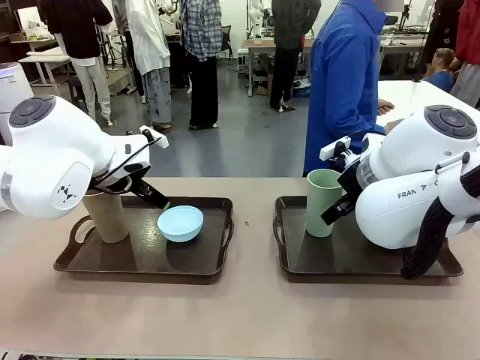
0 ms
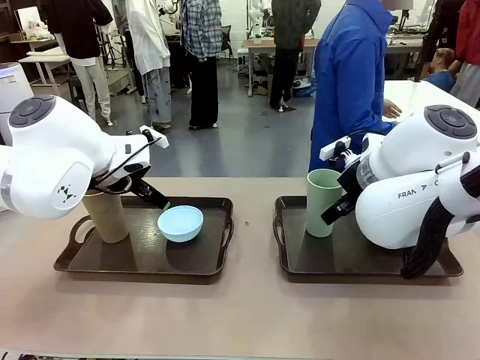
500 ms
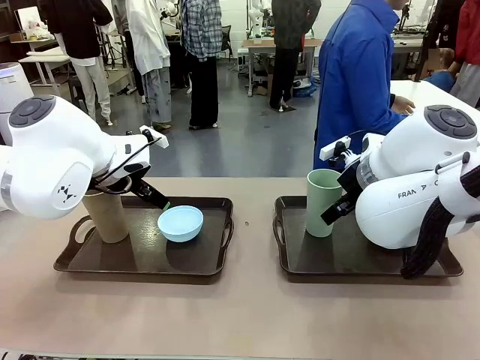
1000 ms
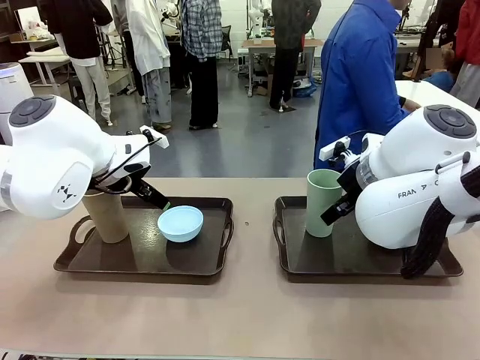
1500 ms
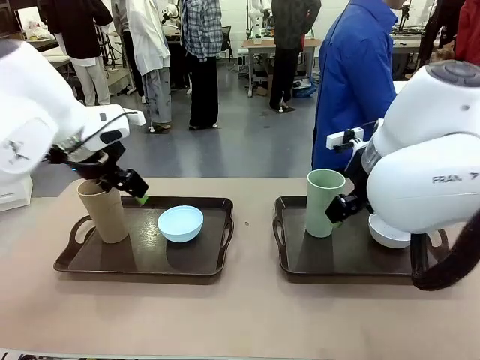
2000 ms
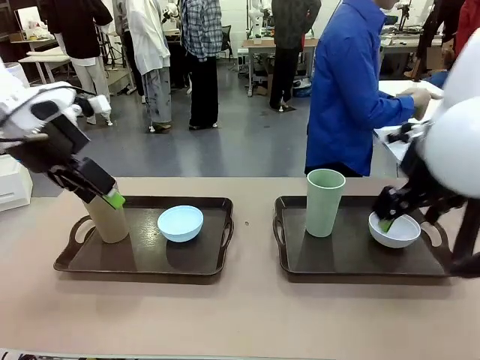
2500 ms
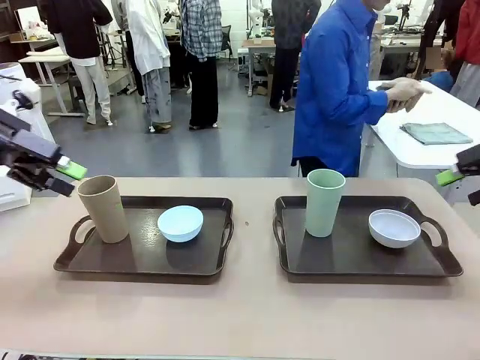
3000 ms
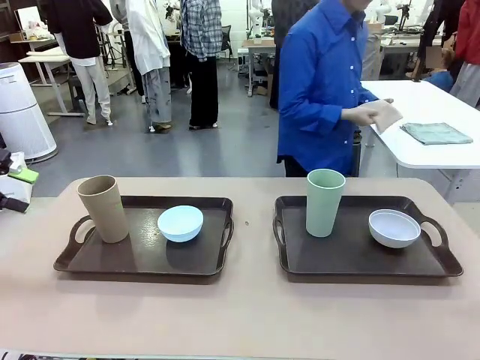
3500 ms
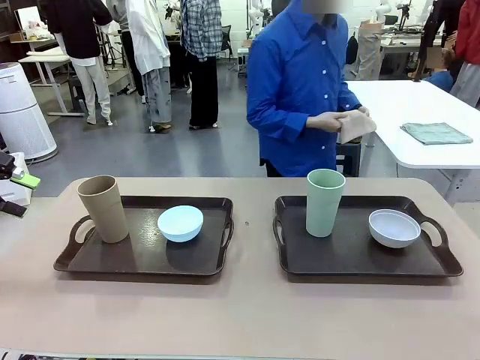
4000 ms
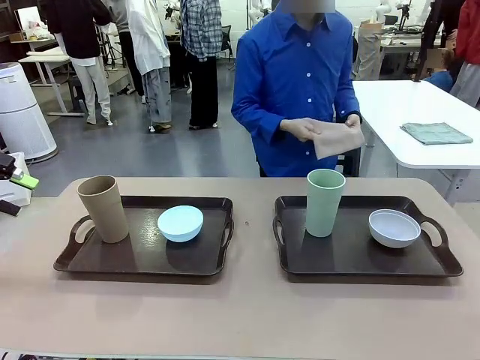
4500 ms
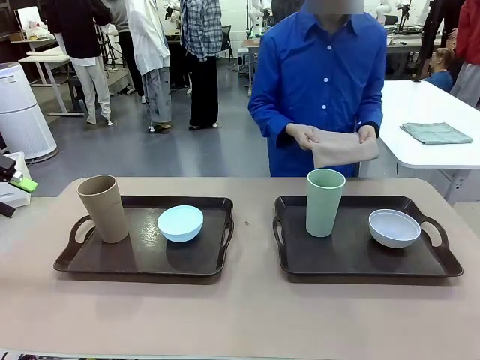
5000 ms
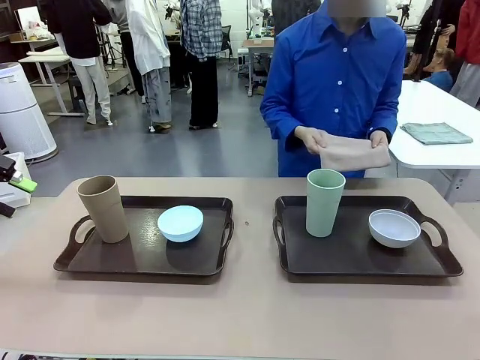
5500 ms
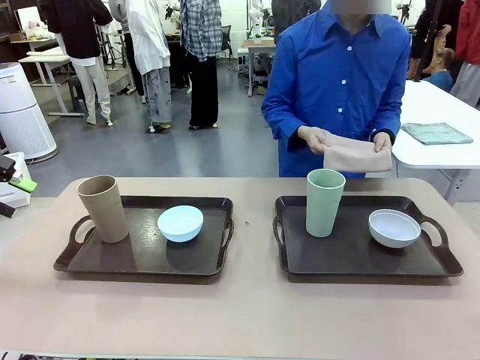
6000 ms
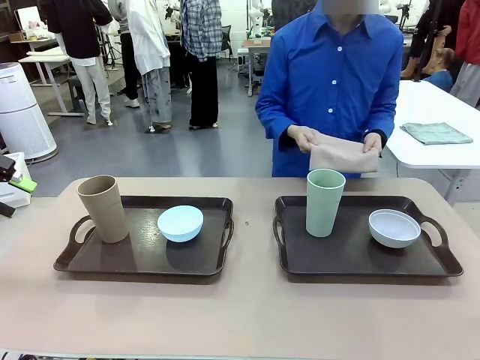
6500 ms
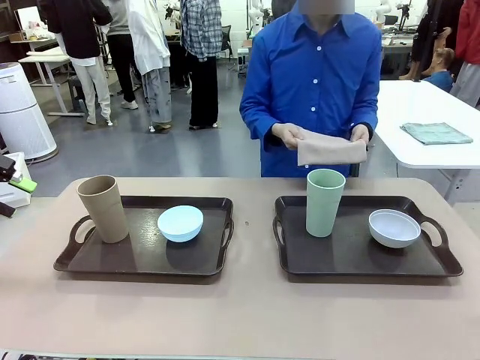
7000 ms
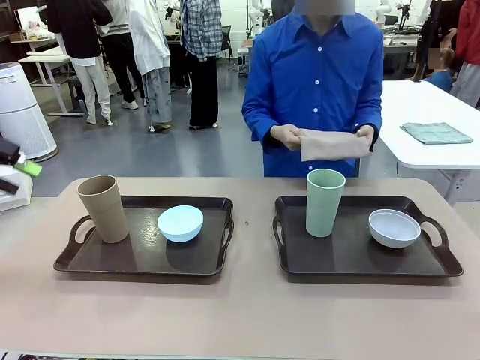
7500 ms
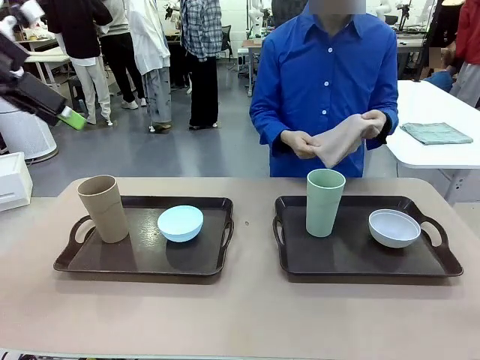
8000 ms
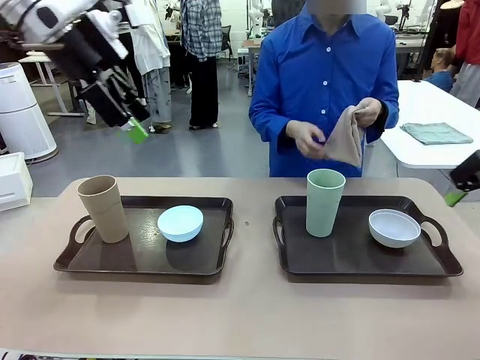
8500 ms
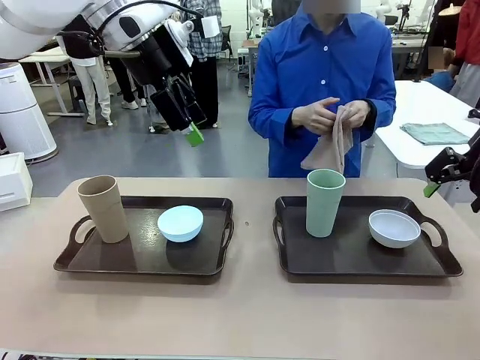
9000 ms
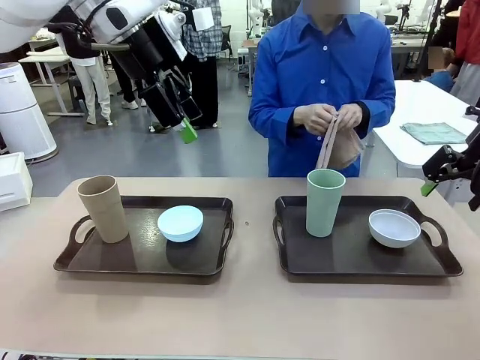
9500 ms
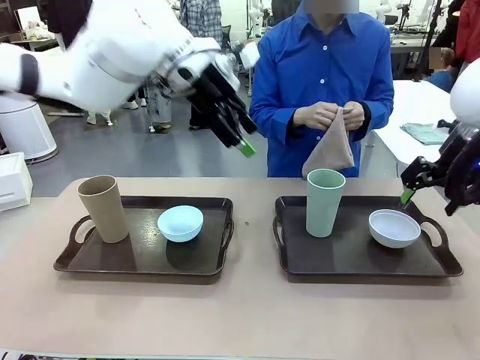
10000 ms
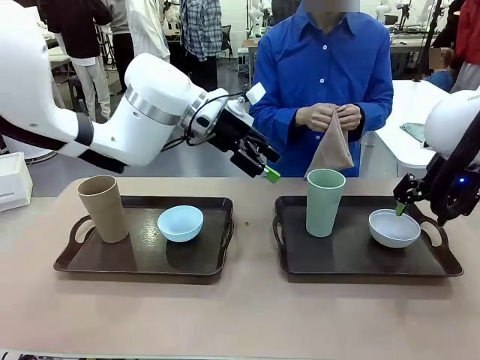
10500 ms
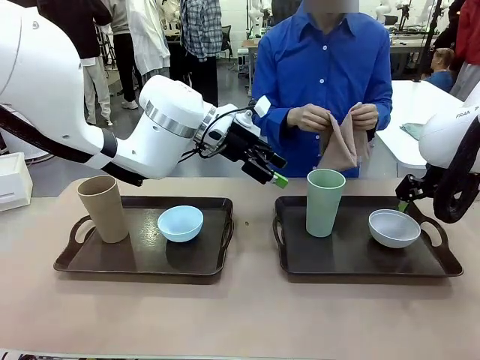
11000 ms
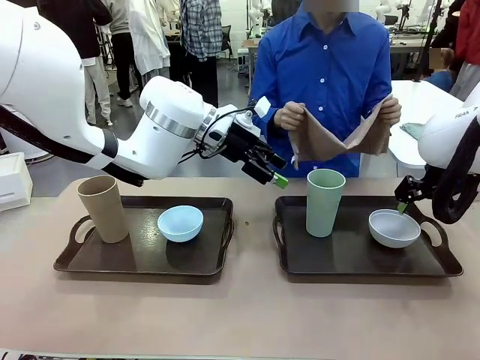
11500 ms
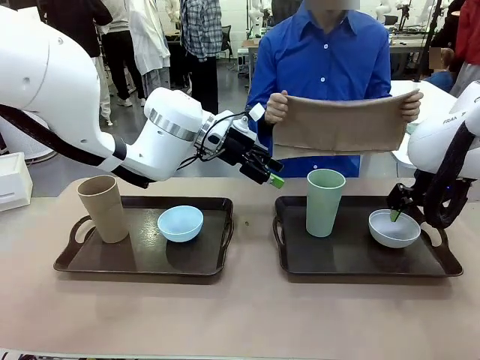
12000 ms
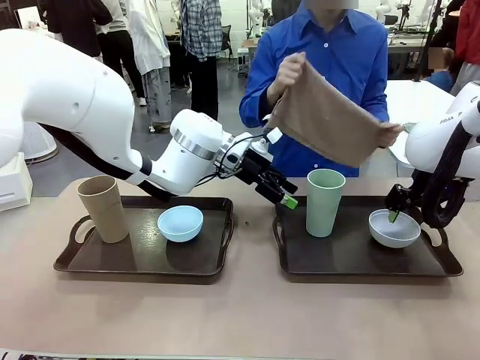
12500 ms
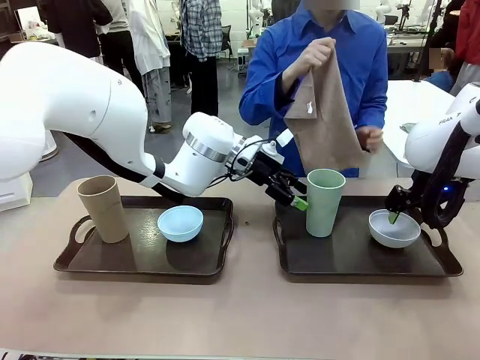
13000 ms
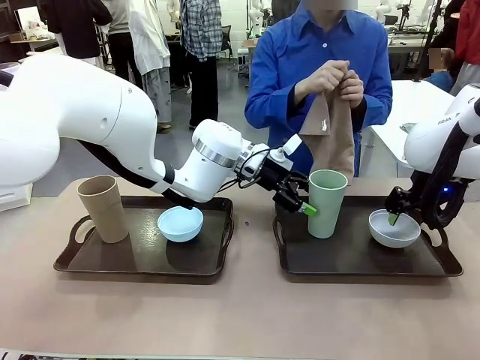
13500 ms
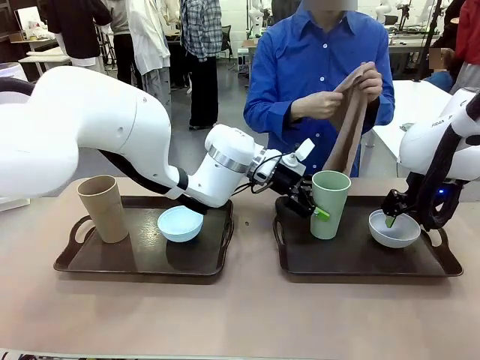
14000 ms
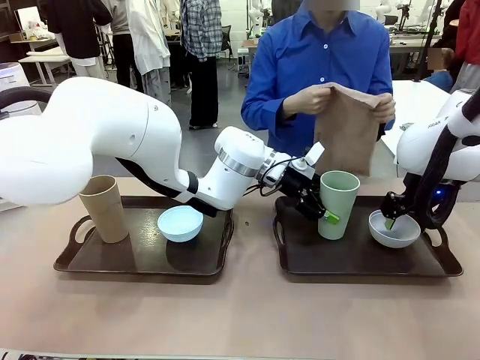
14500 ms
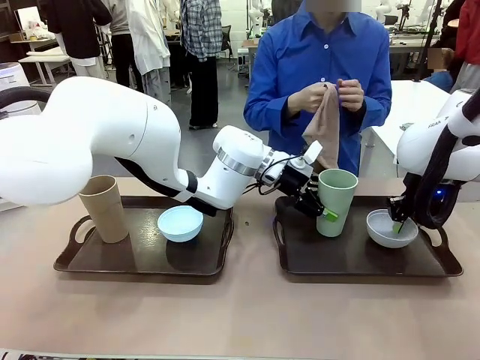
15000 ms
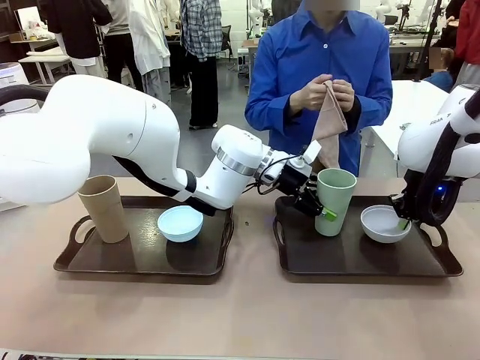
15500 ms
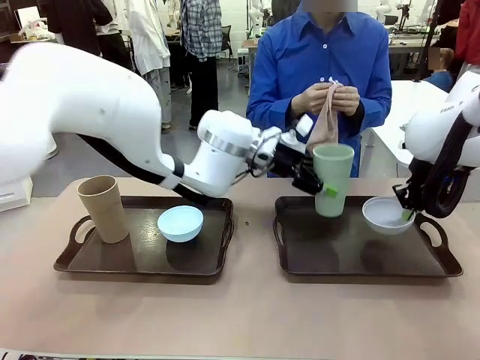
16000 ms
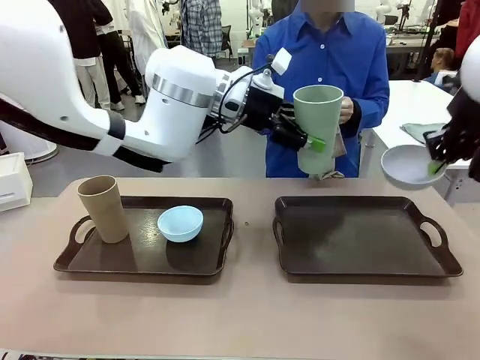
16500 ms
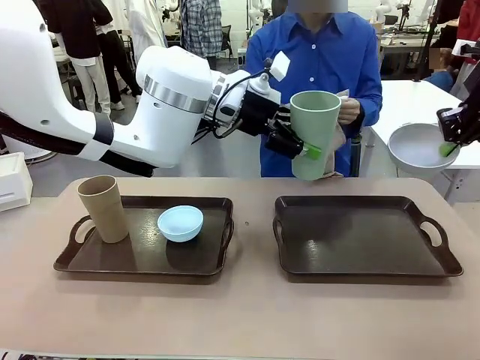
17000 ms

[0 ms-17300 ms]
Robot: Pick up the Picnic Bowl and Reusable plastic cup from the Handle tray in front of the human's position and hold them in the air.
Person: The human picks up the top napkin from the stack on the human table and walks to the robot table to stand in front of one of the two trays. When the robot lifts the bowl and the cup, the human unfolds the napkin and lays the napkin flat on the tray.

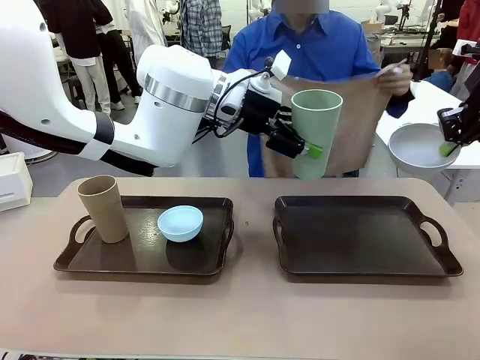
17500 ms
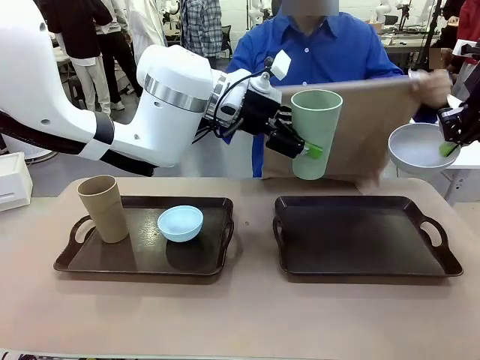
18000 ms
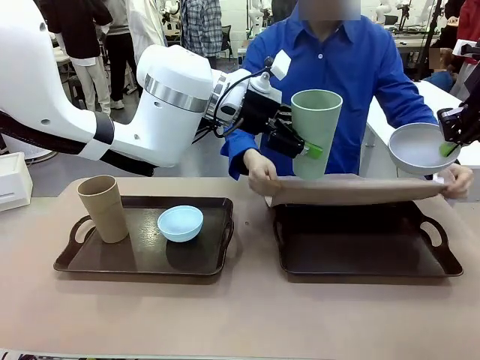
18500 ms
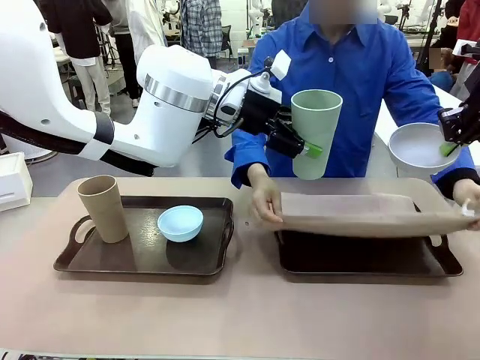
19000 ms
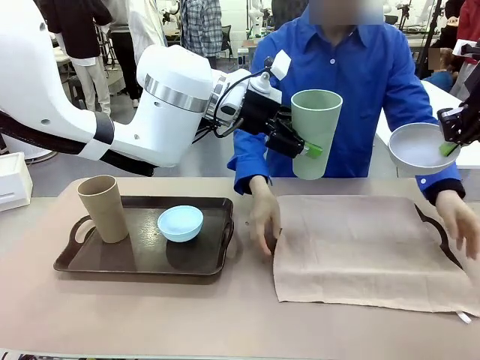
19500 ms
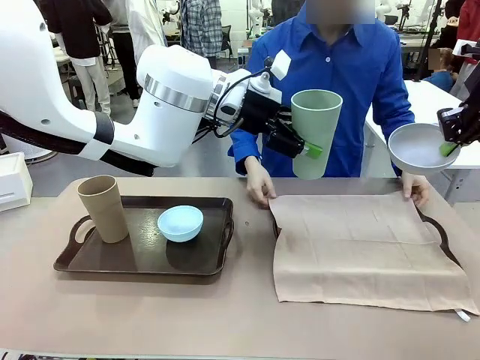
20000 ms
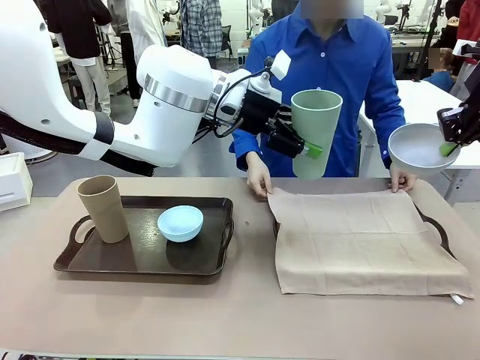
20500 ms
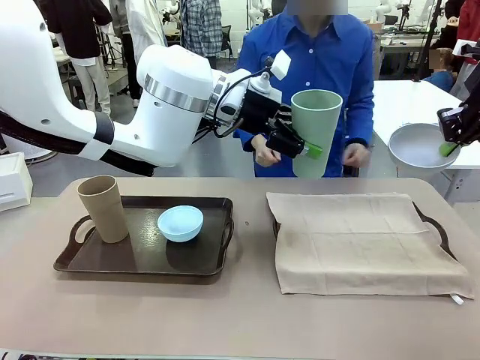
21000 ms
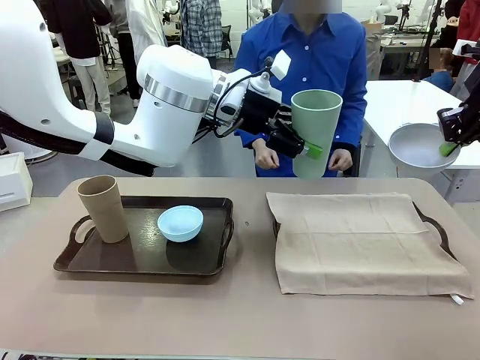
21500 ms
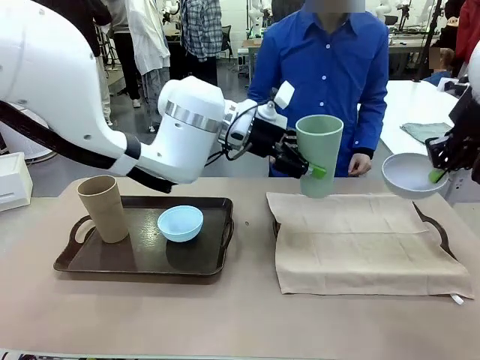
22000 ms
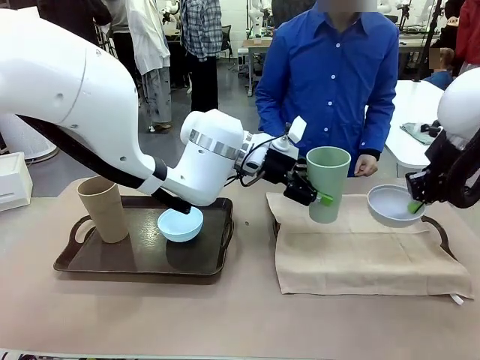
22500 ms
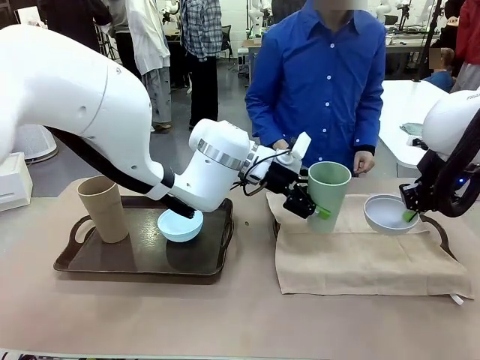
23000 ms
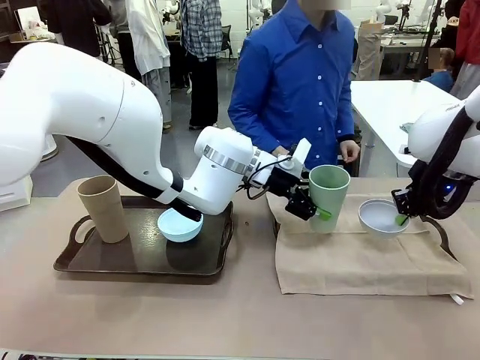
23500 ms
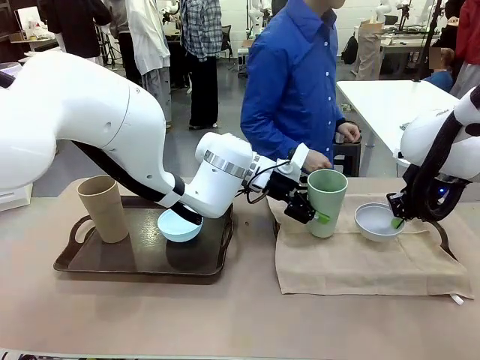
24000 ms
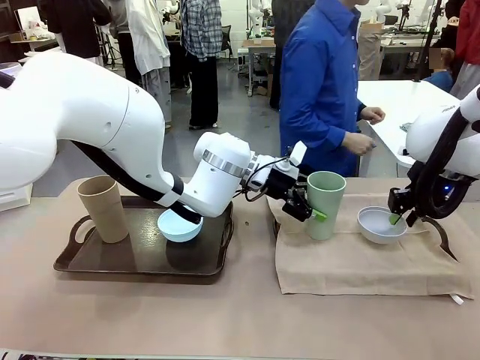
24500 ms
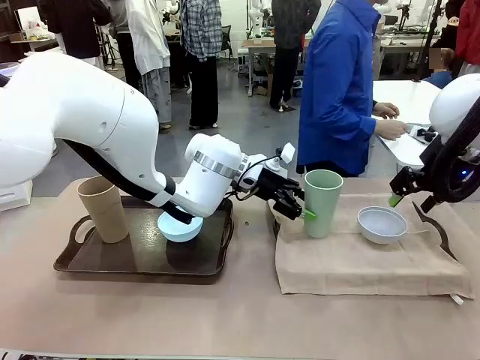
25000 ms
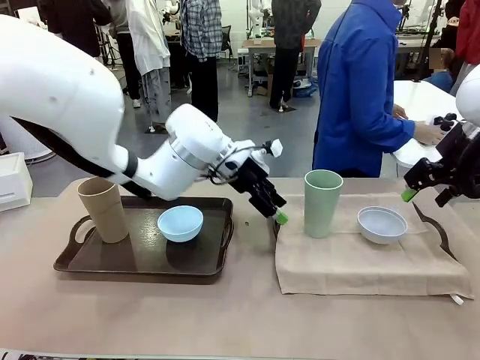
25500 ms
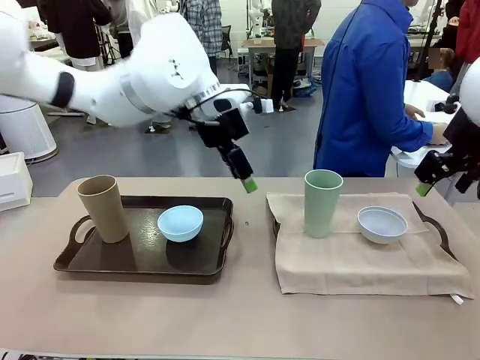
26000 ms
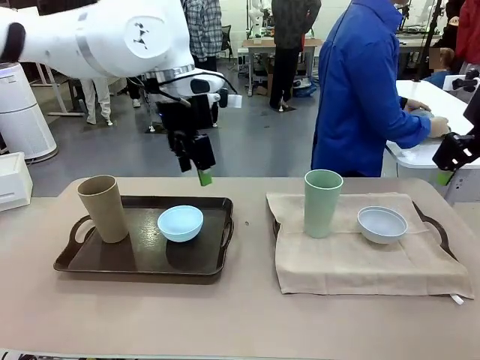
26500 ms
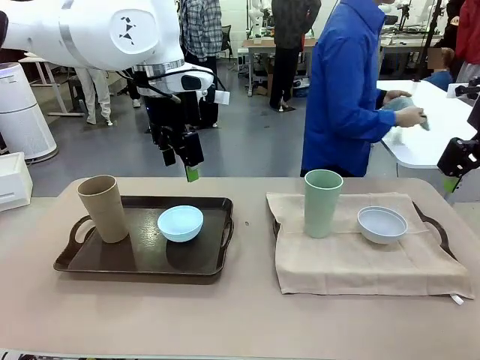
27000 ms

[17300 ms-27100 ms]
Robot: Place the Picnic Bowl and Reusable plastic cup back onto the Handle tray in front of the human's position.
